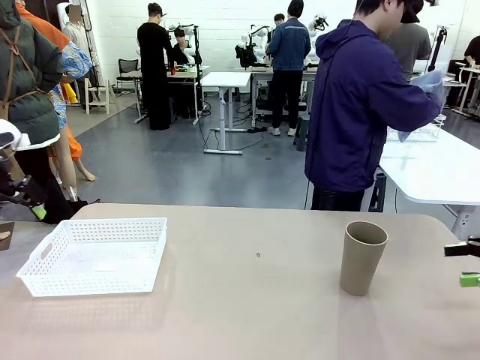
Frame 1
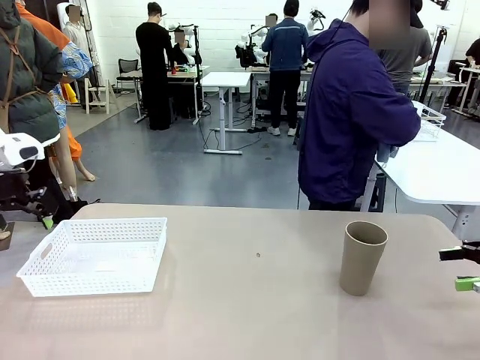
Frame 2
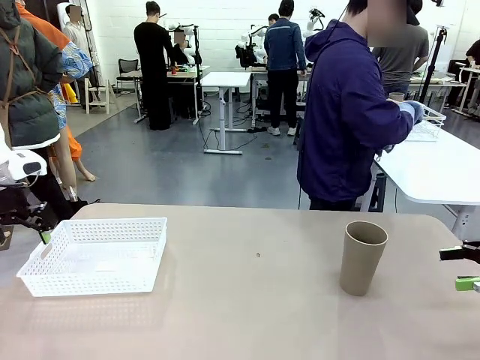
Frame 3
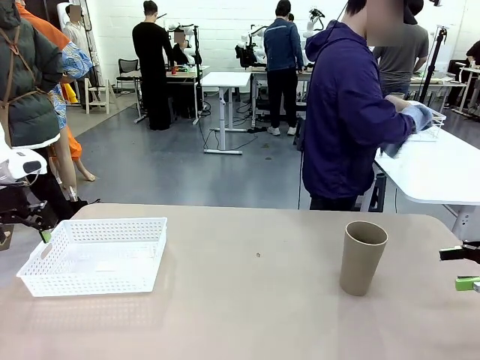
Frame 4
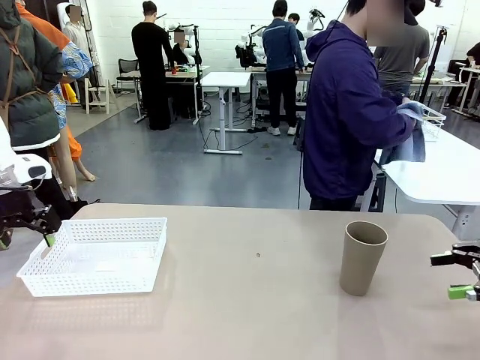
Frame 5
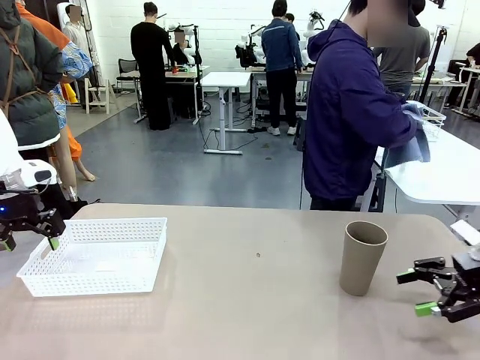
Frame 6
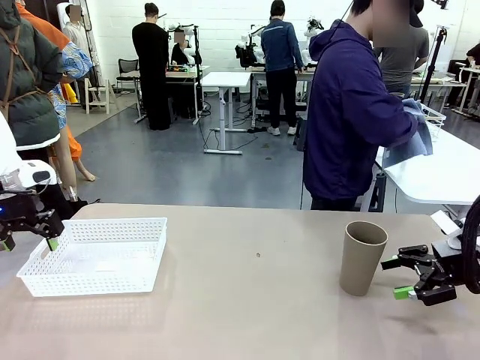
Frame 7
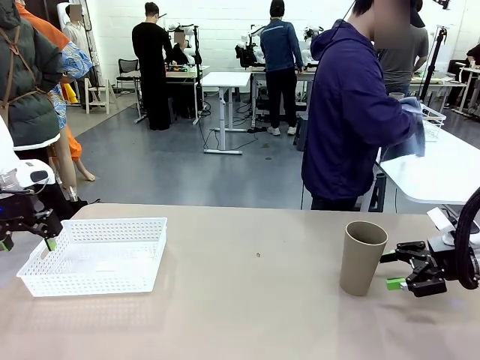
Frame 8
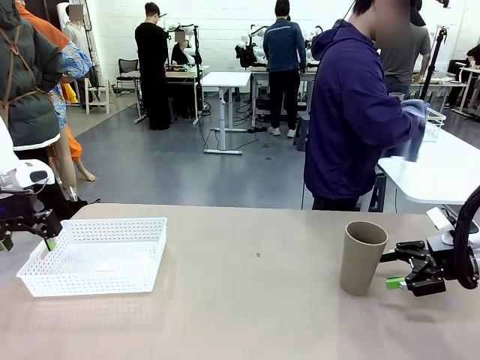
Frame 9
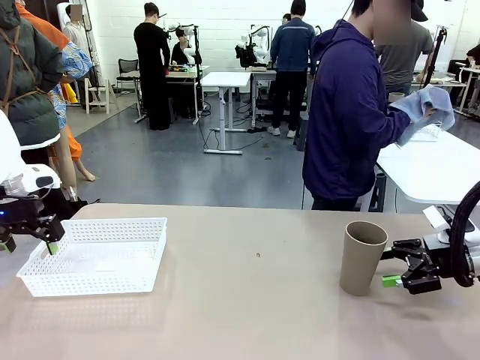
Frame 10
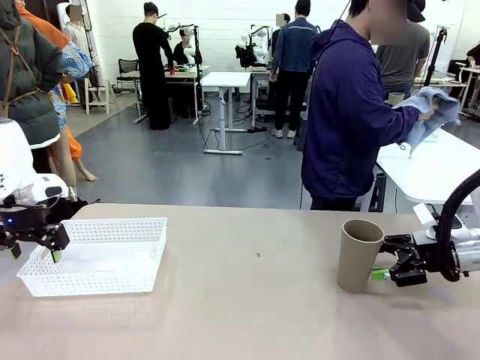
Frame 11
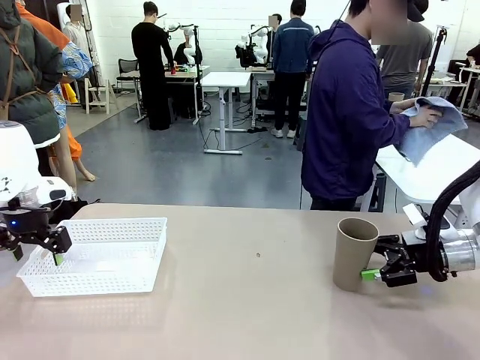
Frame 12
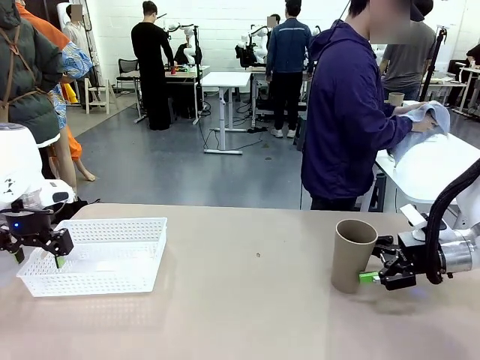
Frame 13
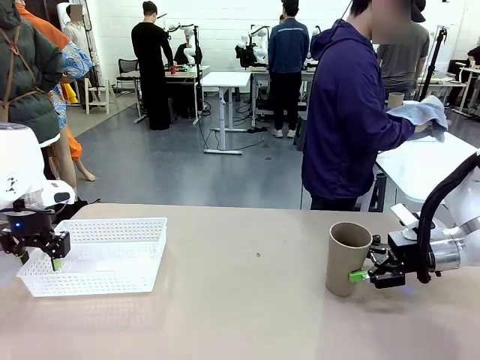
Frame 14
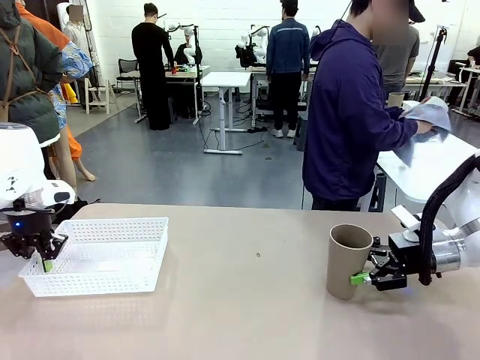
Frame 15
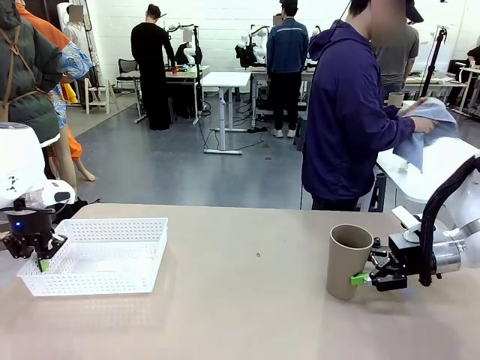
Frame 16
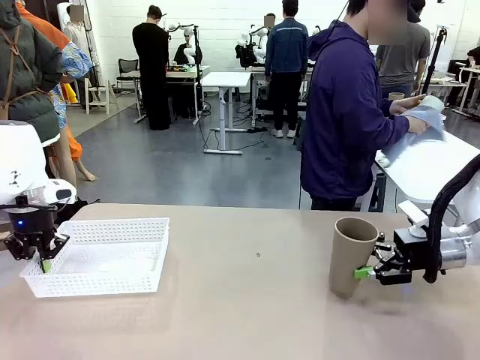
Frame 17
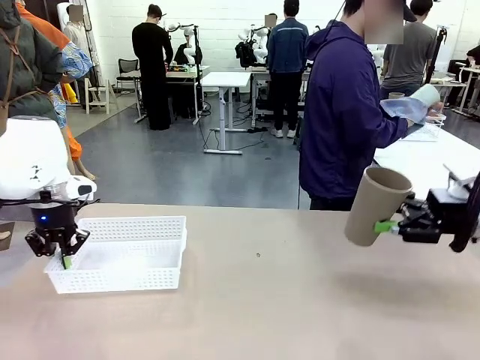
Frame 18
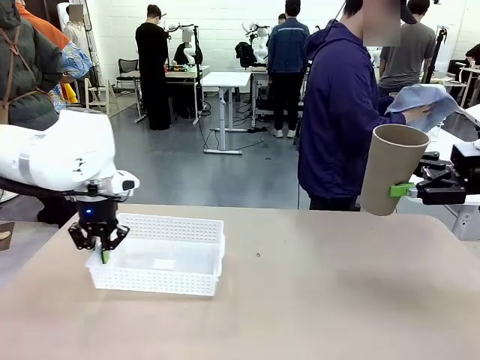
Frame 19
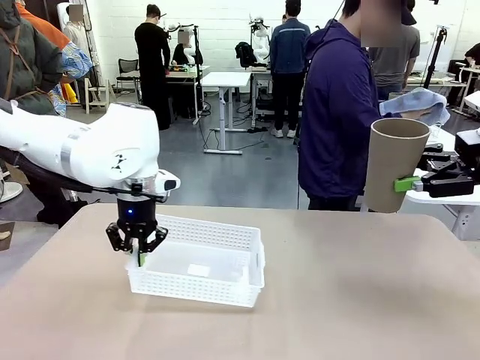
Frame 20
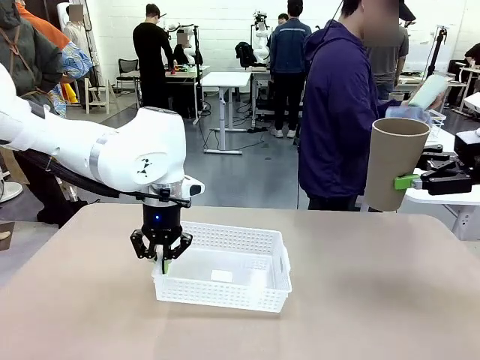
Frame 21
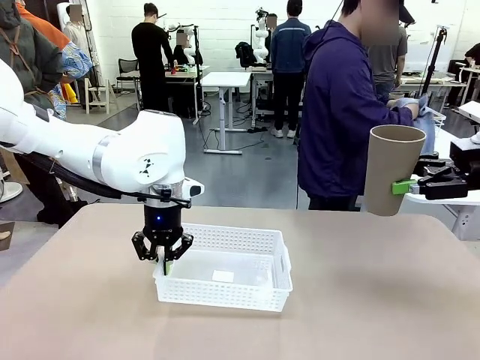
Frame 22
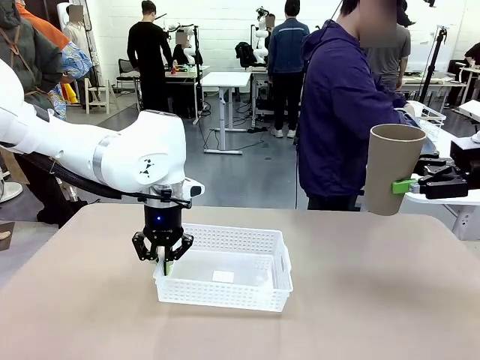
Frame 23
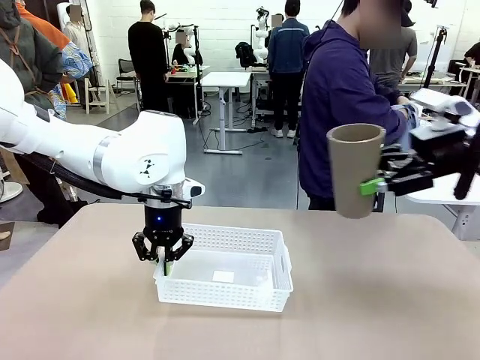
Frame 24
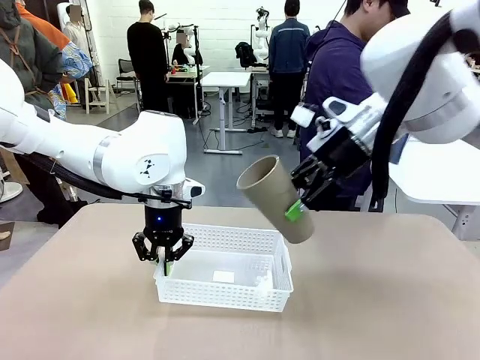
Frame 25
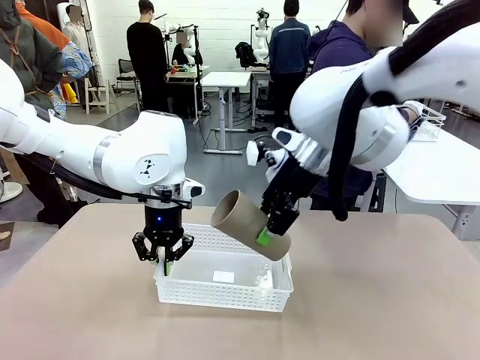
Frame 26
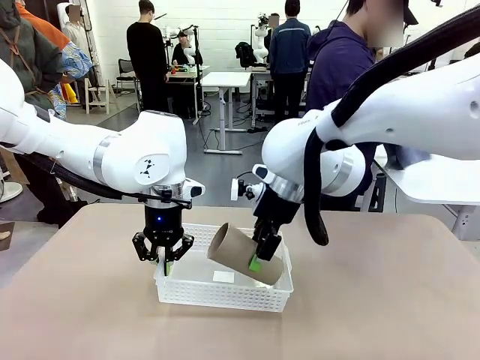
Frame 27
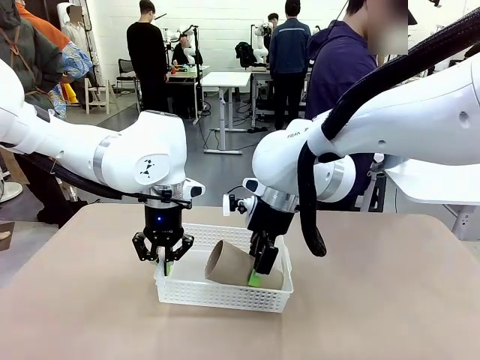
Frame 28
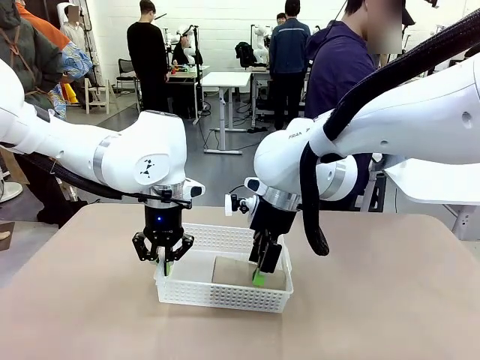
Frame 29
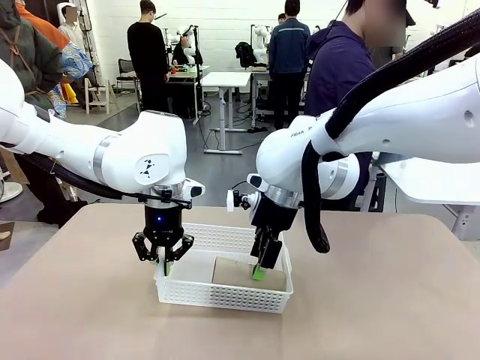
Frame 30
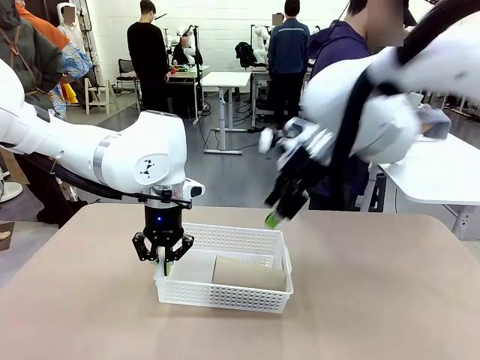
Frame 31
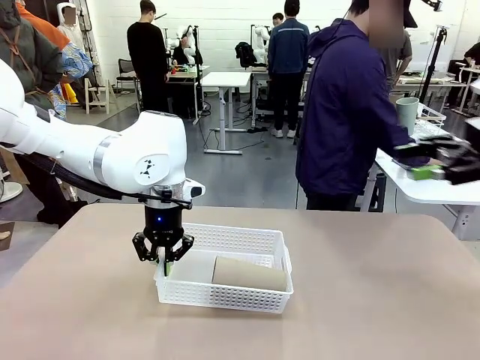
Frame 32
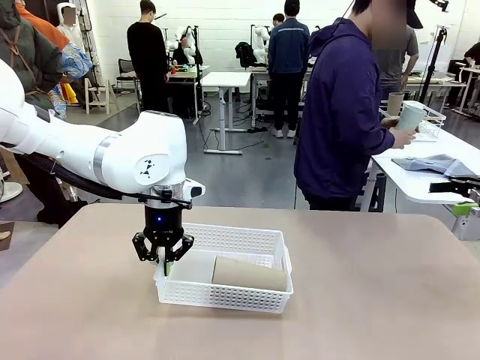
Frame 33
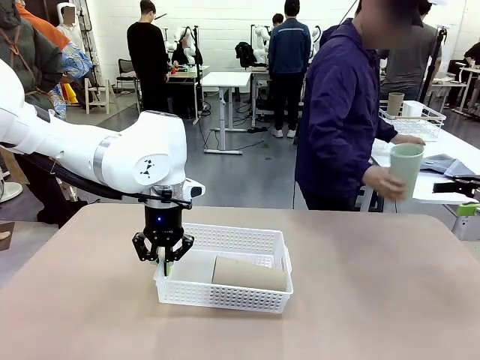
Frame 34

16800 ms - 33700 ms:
Task: Clean and organize the cups into the basket.
Robot: Pick up the Organizing basket and move it to the center of the table, then pick up the Reusable plastic cup from the right side of the table and place it inside the Organizing basket.
